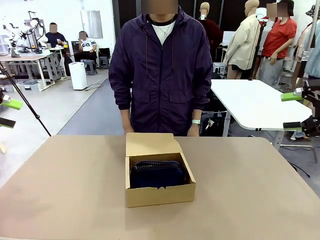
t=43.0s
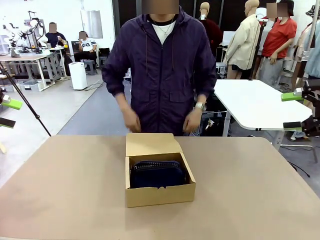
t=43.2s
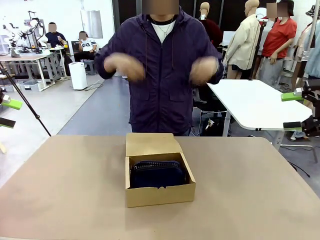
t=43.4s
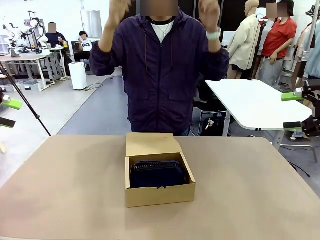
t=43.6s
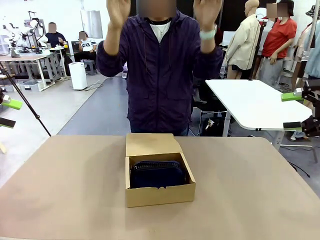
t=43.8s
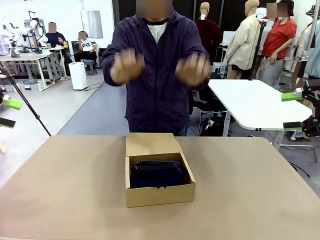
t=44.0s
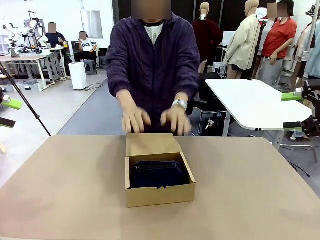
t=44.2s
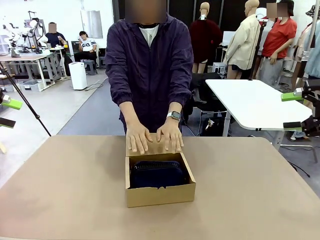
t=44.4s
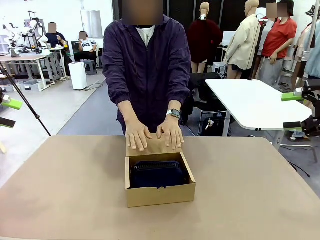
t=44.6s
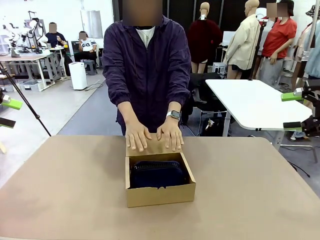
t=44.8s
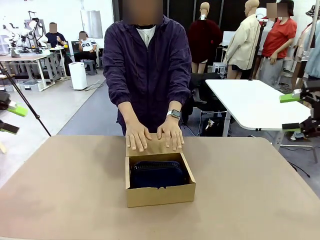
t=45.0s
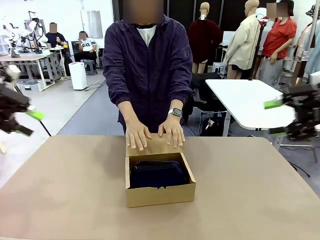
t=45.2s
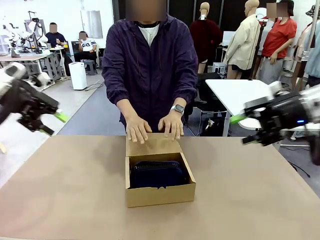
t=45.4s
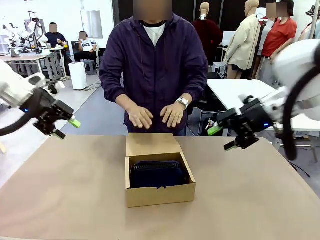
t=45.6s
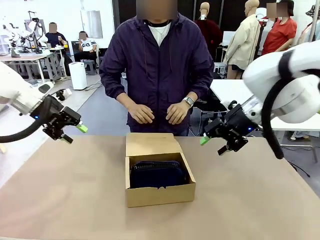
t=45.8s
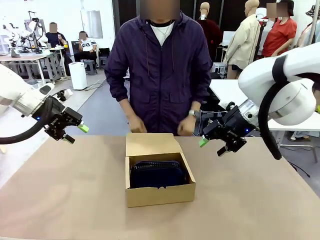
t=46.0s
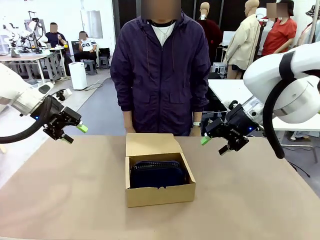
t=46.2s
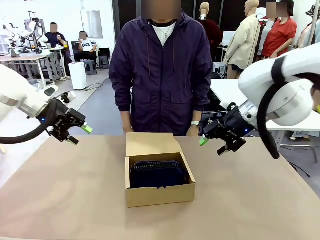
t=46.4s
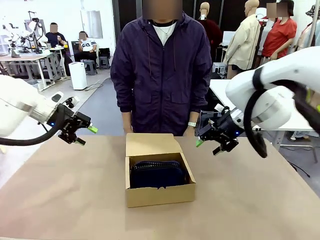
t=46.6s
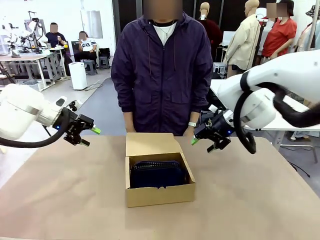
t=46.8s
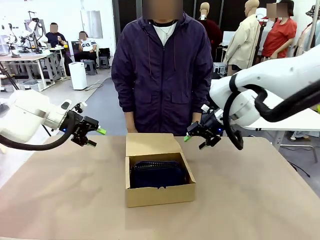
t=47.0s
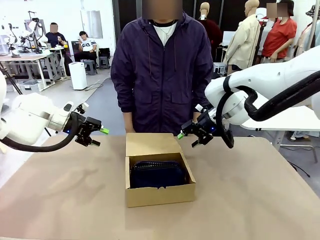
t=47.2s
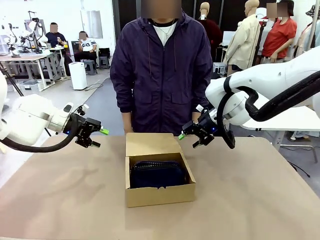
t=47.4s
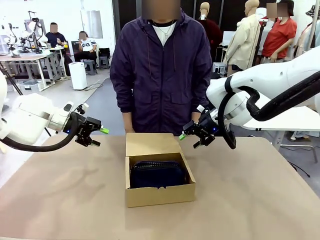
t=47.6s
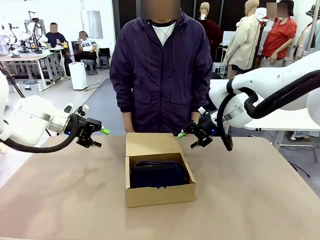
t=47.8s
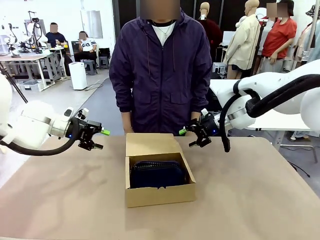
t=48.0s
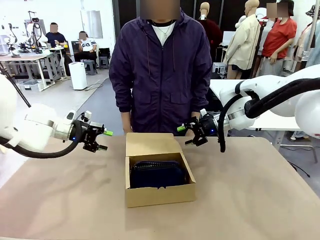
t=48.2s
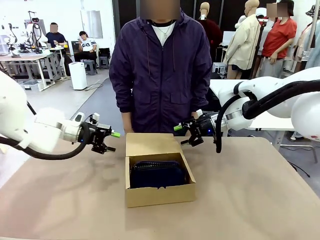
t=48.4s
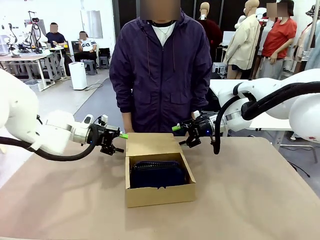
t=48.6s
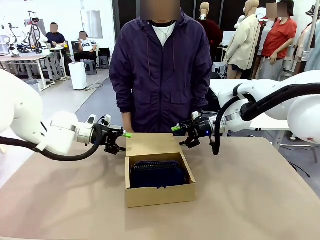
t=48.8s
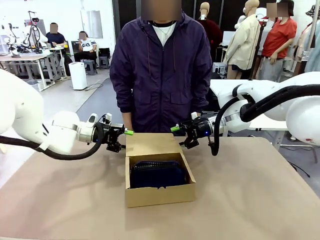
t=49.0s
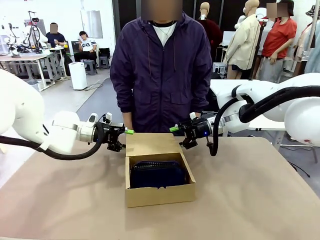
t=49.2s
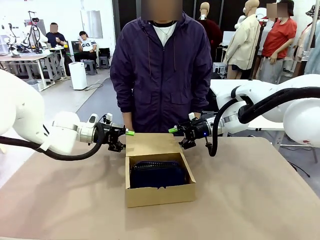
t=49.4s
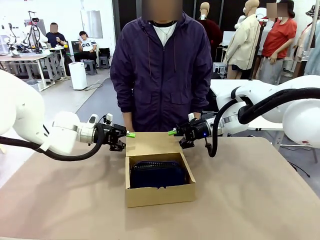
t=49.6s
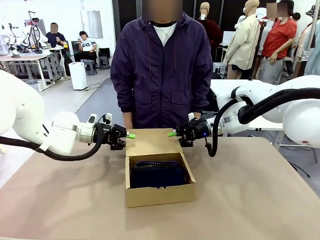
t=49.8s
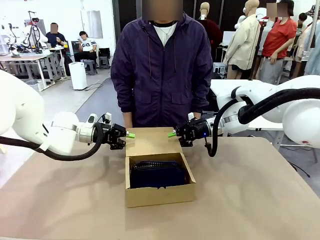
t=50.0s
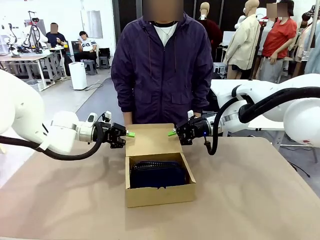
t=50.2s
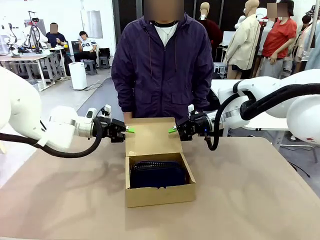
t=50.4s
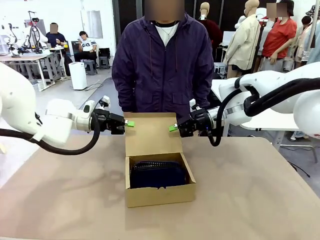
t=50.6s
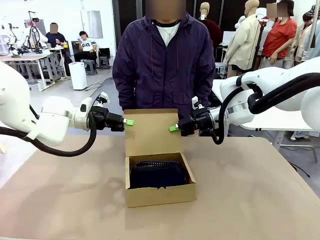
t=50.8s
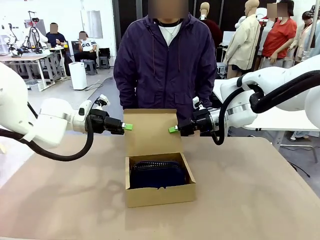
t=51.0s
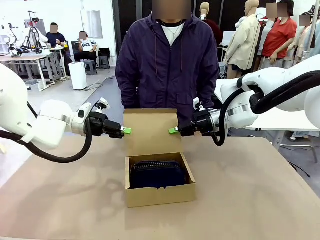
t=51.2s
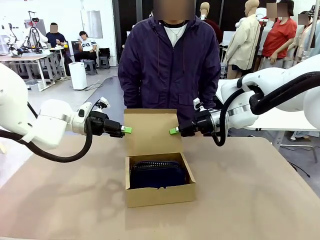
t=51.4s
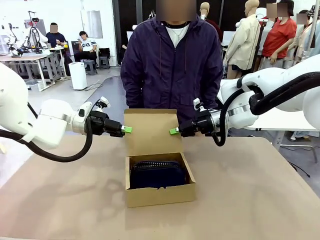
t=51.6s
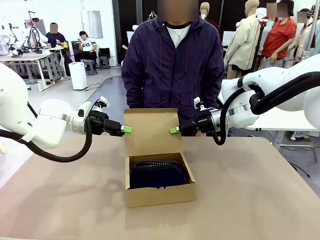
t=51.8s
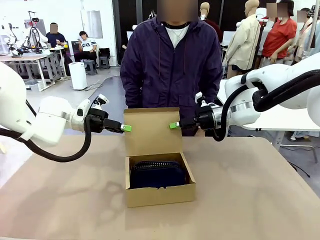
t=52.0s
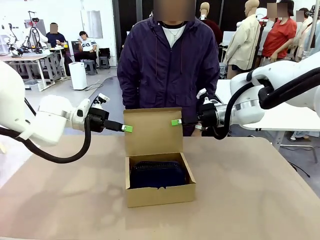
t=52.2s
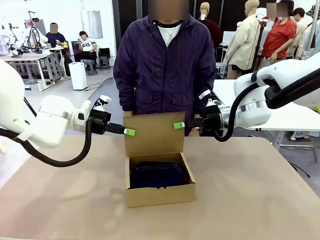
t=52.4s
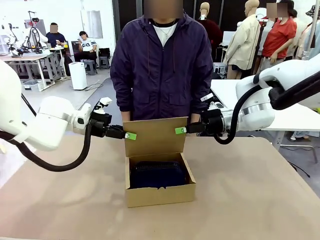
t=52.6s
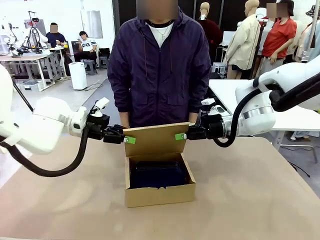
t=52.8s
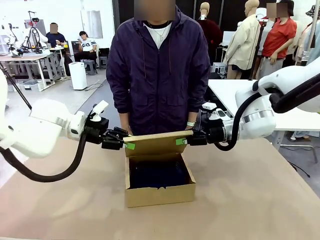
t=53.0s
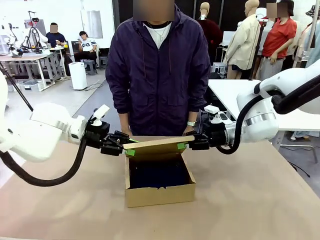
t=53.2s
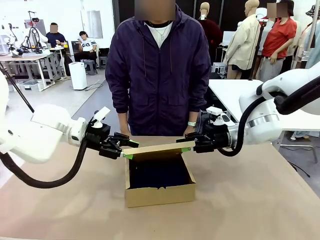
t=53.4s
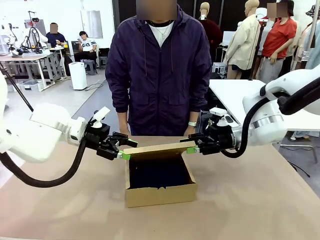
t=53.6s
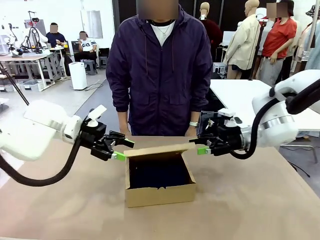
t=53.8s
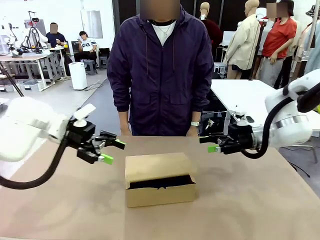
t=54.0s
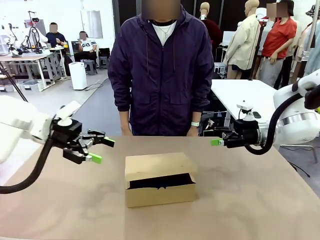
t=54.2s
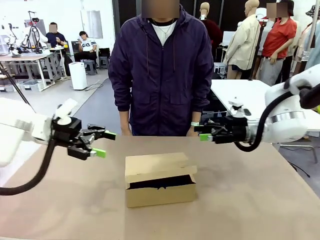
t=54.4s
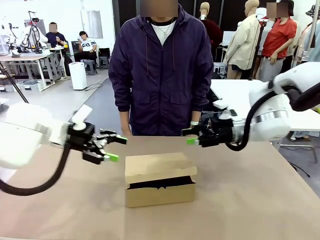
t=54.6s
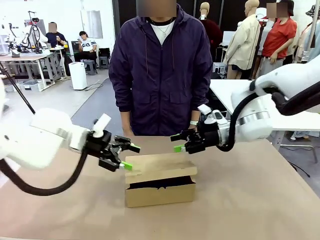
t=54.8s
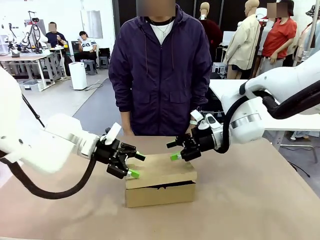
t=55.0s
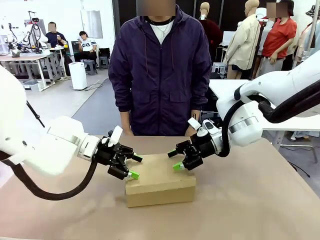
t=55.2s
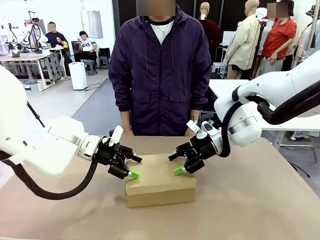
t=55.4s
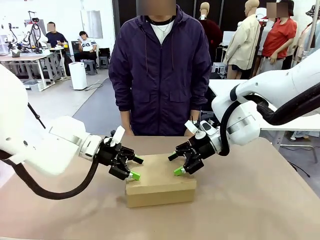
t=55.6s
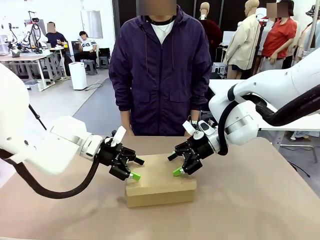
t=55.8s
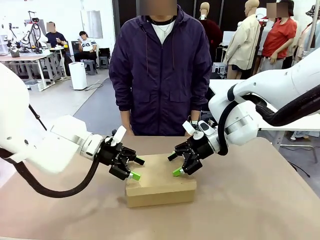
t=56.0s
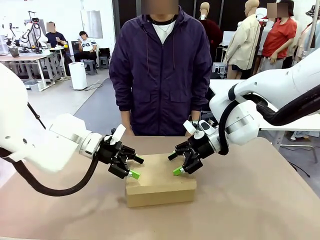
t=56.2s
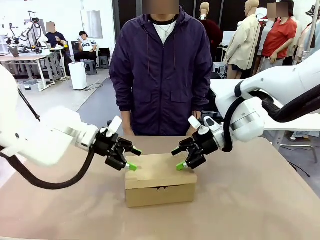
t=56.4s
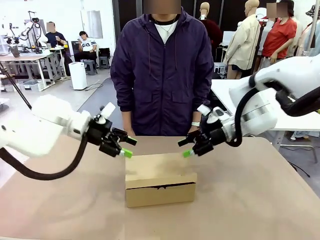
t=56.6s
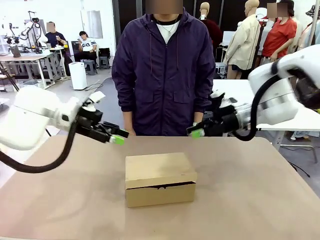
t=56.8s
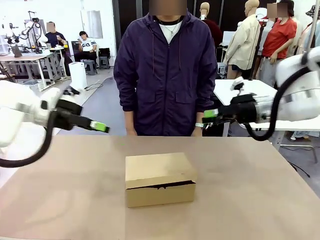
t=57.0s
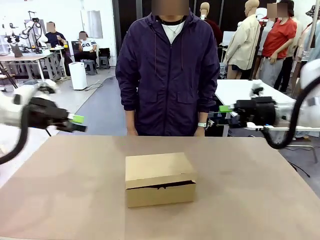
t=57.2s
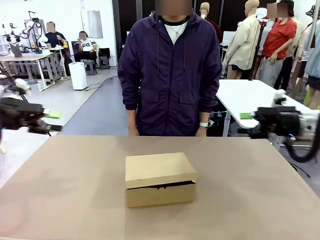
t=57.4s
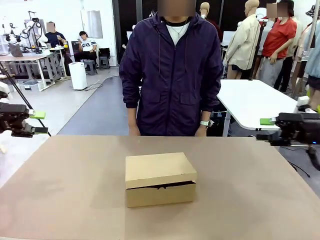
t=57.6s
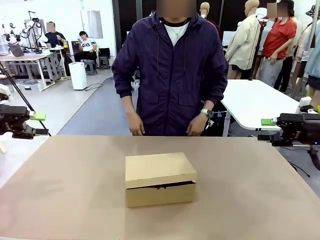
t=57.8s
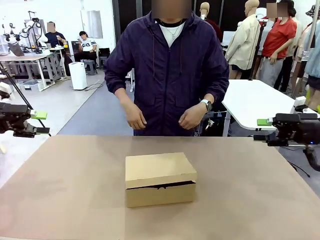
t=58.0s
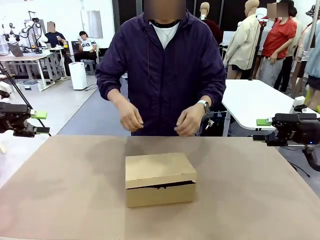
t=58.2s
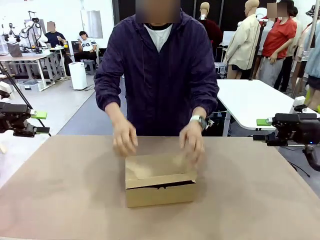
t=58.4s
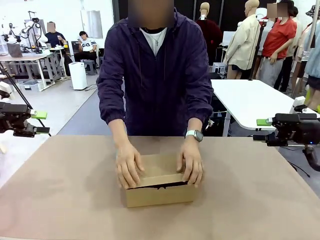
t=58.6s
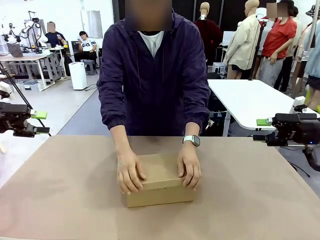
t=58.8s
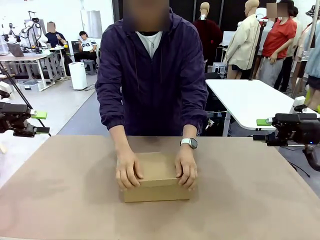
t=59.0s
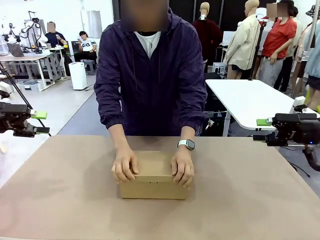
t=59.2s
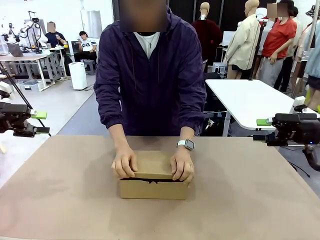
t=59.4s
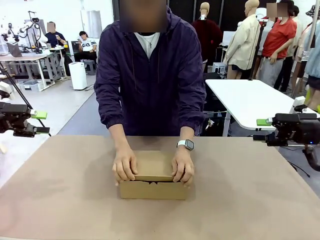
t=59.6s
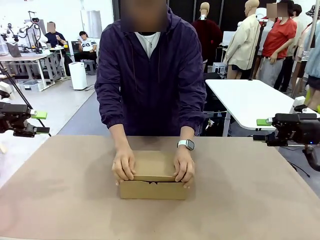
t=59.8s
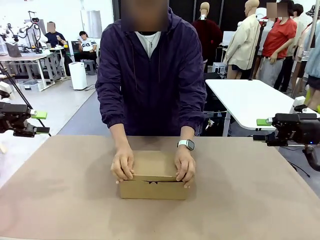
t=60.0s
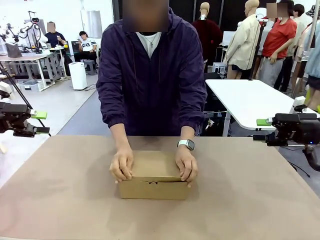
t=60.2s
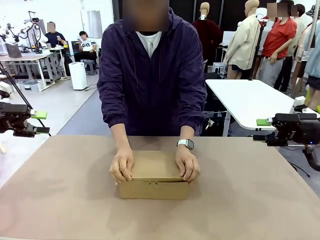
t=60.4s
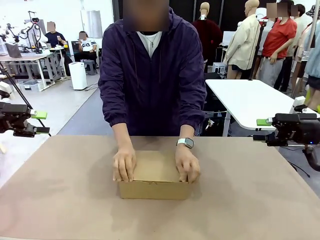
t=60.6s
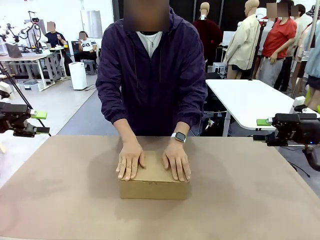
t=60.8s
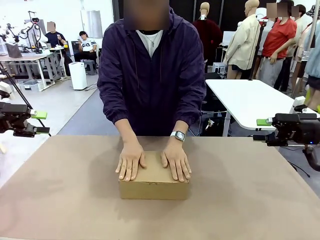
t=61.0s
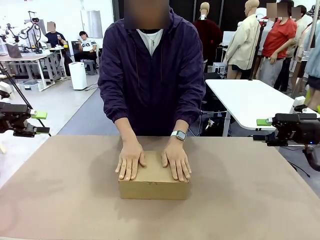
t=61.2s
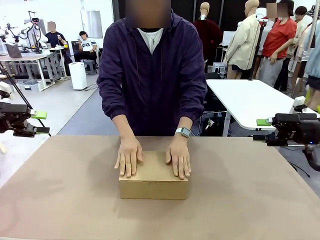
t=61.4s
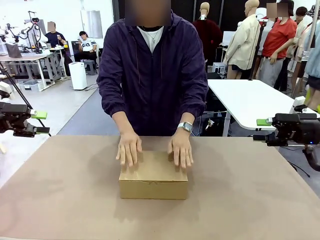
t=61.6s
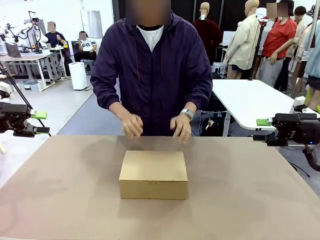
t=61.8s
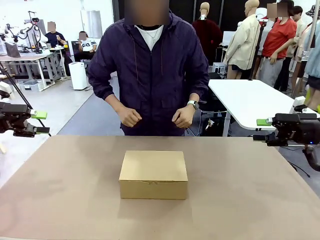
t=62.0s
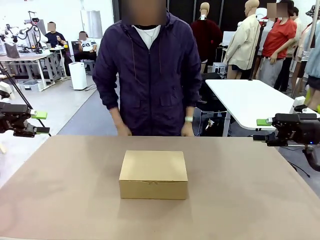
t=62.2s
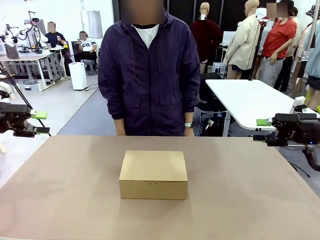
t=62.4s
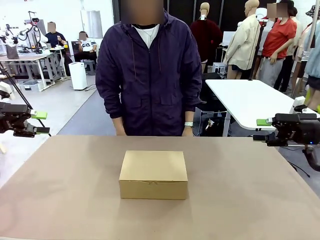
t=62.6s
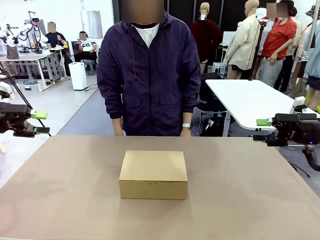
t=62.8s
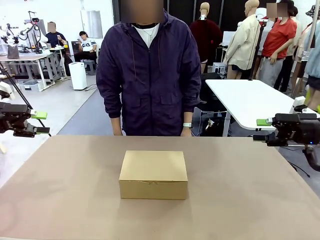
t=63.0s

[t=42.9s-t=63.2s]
Task: Pack the items into the box.
Robot: Close the Mailer Box.
Person: Turn the box and lock it.
